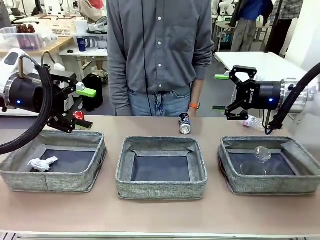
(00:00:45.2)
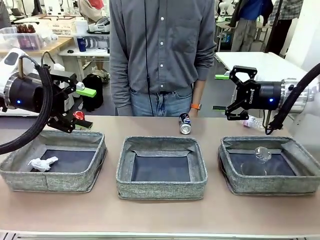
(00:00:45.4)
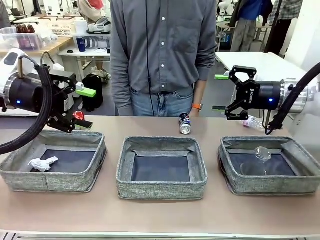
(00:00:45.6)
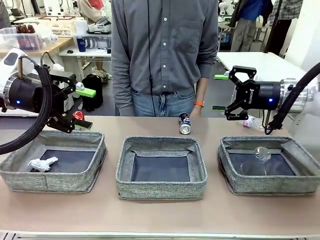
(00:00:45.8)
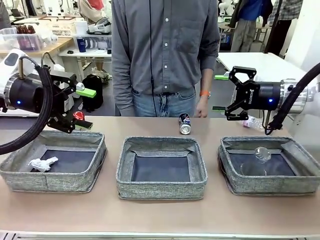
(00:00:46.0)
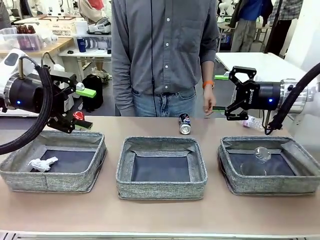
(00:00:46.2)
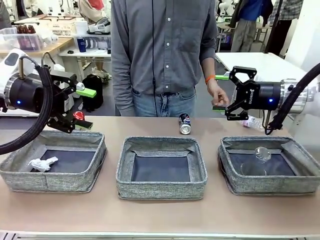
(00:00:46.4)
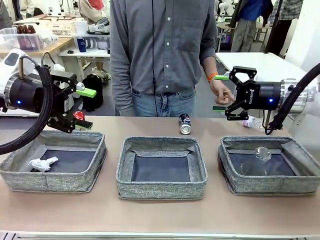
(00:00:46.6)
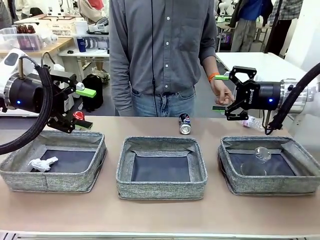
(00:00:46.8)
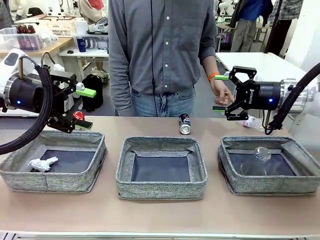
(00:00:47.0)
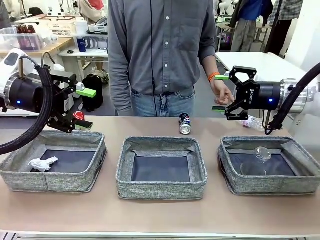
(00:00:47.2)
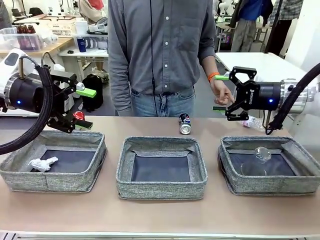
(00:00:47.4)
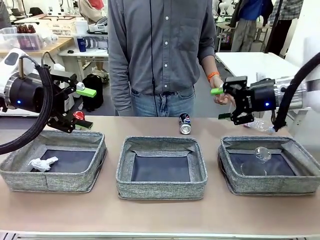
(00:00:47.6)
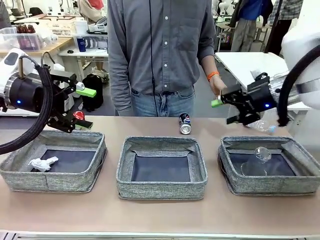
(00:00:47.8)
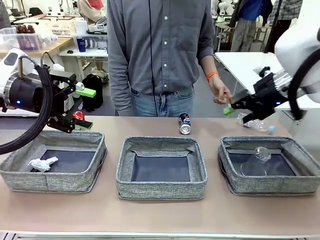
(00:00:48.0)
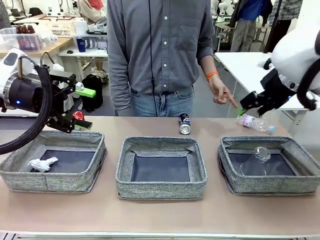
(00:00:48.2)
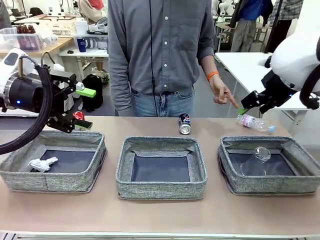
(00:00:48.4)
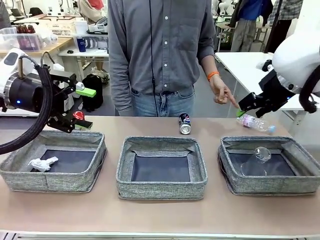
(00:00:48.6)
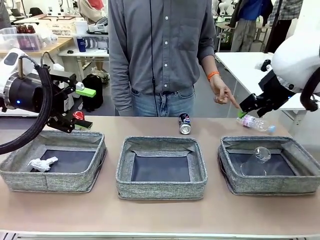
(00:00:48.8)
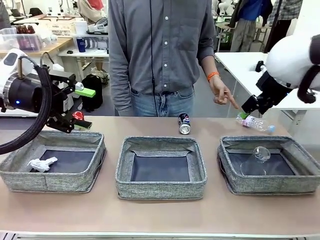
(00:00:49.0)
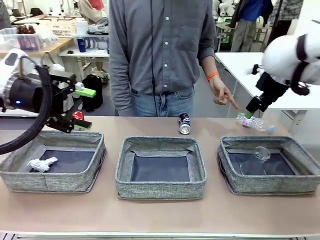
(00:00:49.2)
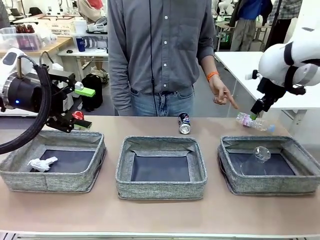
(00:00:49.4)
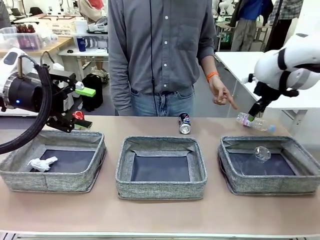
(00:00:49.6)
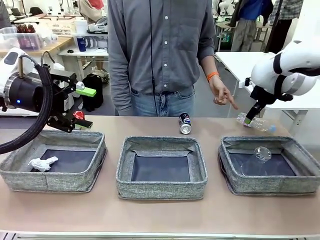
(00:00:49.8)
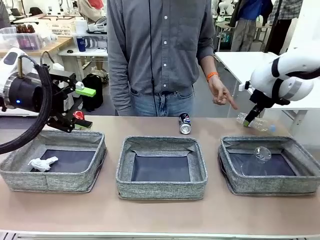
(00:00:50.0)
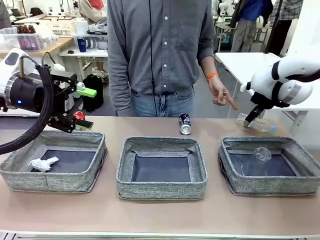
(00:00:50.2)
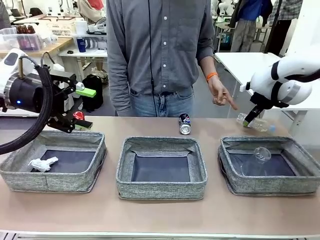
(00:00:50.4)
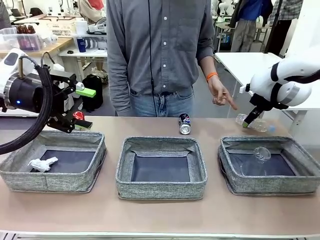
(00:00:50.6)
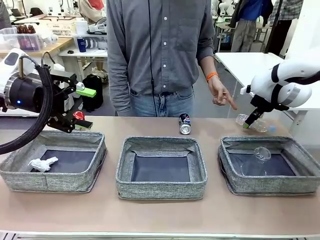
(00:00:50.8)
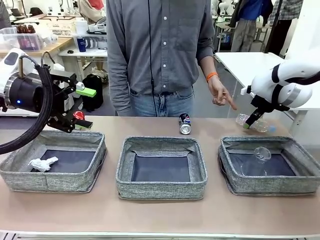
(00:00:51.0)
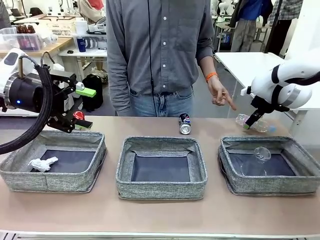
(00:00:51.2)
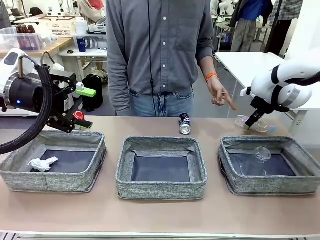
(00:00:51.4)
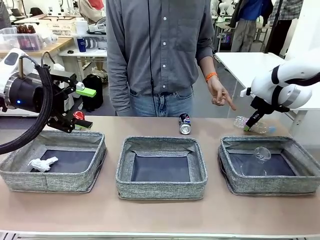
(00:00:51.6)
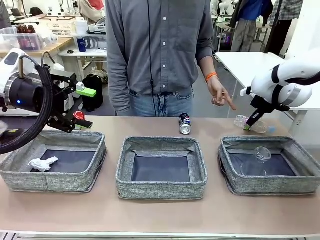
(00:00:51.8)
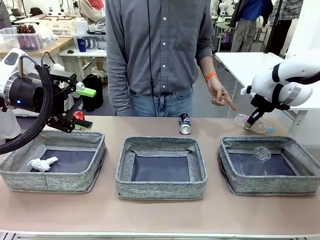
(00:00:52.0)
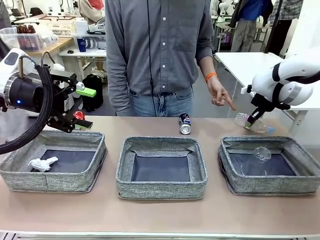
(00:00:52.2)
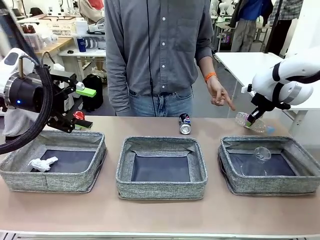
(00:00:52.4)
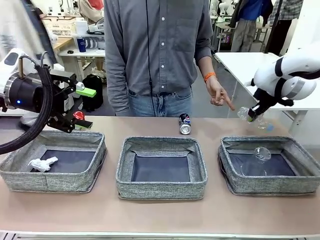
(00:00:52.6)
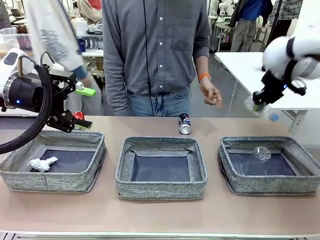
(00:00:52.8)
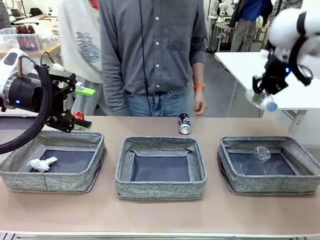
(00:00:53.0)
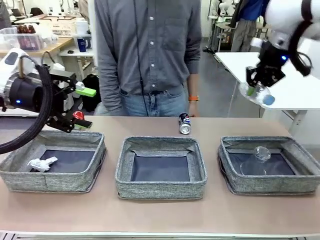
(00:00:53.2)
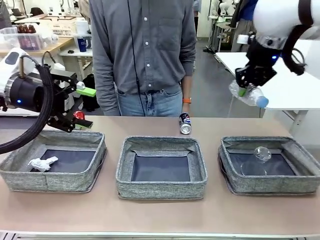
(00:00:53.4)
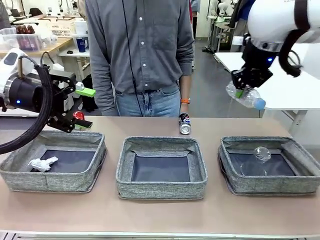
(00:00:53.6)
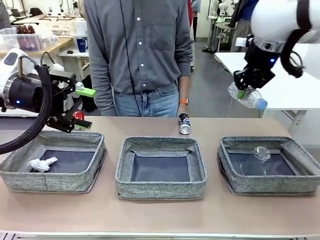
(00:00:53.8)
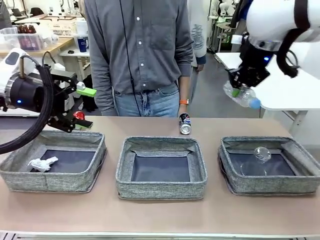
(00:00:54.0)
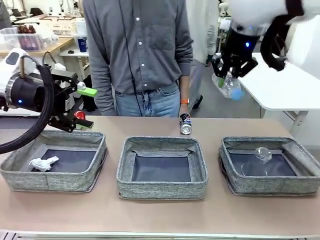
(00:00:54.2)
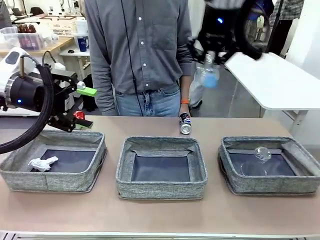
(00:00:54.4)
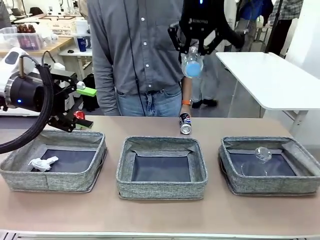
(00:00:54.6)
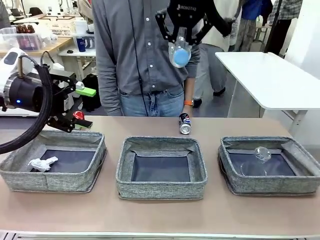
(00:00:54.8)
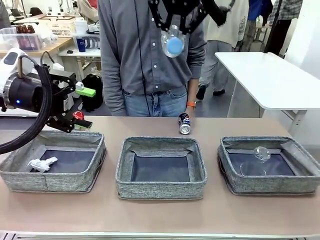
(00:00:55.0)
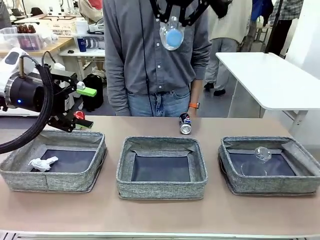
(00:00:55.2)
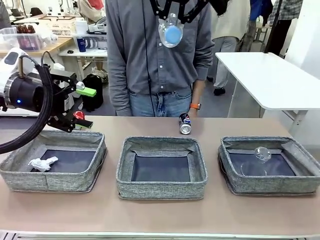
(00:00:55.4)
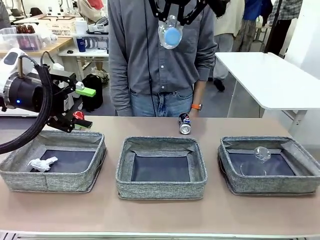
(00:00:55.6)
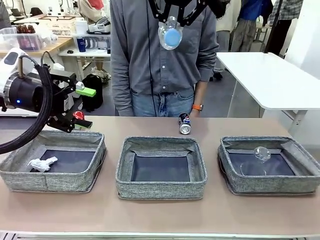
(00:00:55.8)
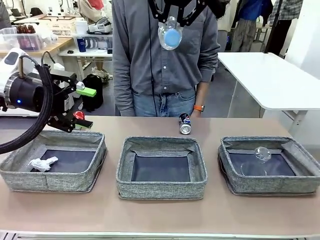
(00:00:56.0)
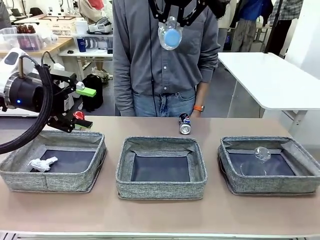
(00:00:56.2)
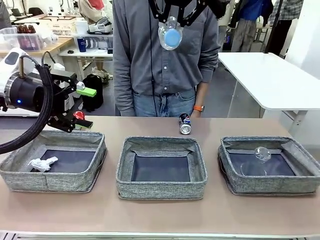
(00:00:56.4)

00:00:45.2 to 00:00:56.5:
Task: Sort the waste into the appropriate baskets.
Robot: Pick up the waste item pointed out by the person.
Person: Points to one piece of trash on the table.

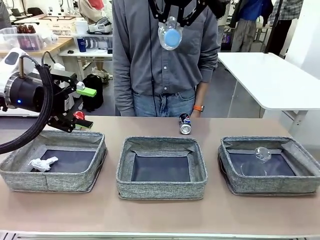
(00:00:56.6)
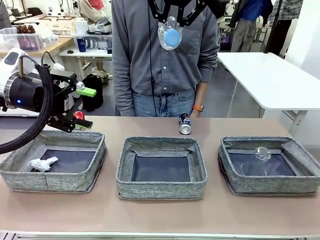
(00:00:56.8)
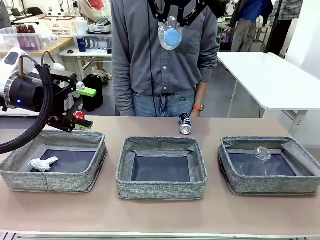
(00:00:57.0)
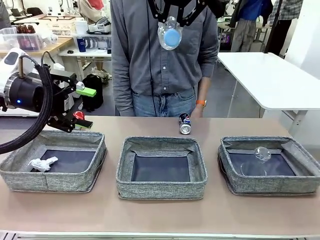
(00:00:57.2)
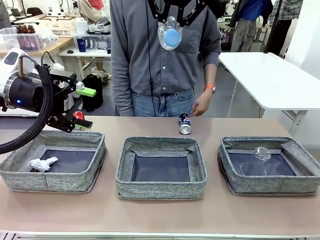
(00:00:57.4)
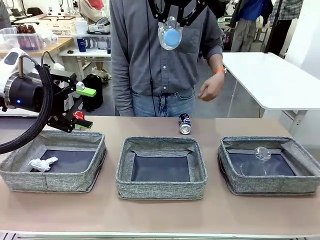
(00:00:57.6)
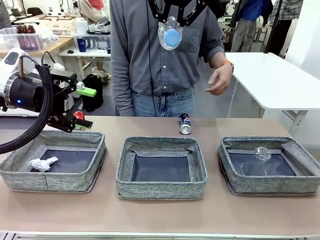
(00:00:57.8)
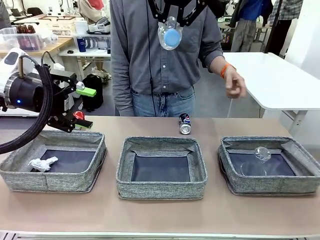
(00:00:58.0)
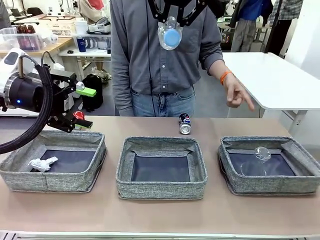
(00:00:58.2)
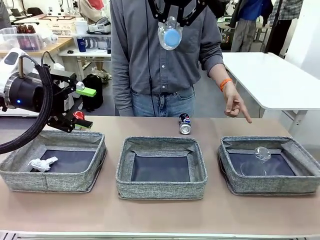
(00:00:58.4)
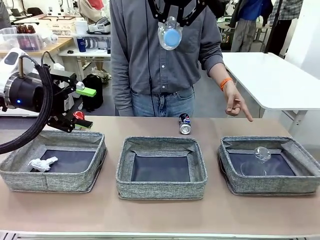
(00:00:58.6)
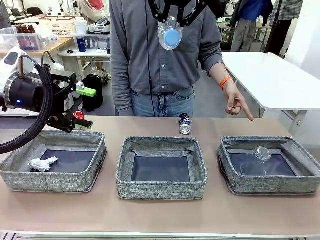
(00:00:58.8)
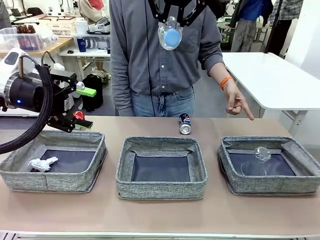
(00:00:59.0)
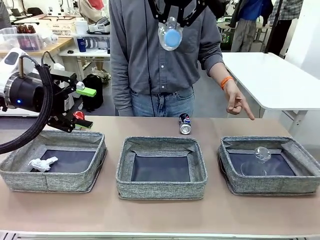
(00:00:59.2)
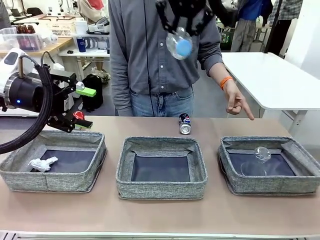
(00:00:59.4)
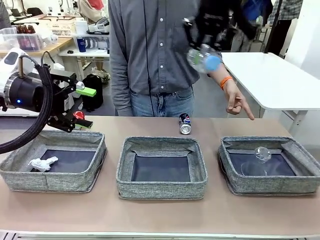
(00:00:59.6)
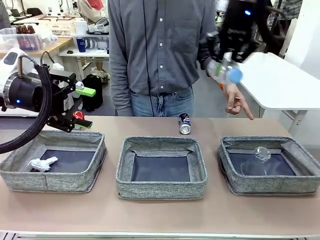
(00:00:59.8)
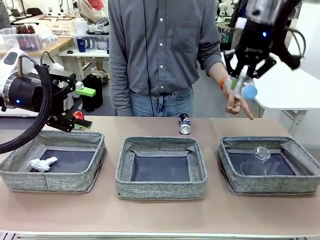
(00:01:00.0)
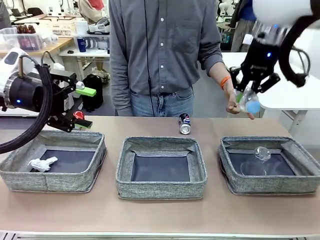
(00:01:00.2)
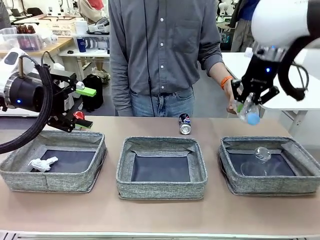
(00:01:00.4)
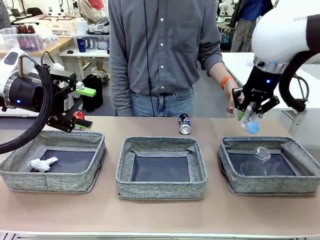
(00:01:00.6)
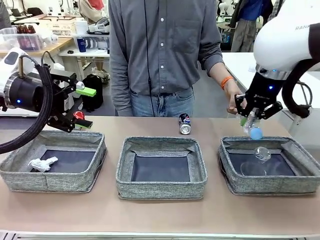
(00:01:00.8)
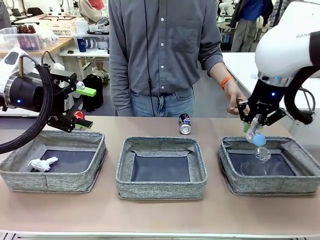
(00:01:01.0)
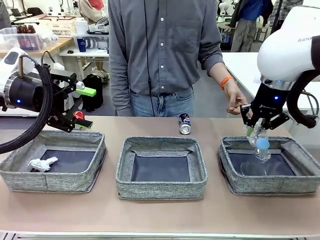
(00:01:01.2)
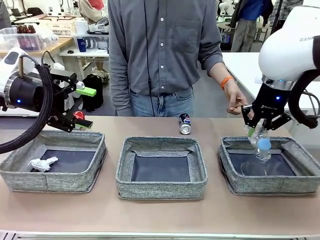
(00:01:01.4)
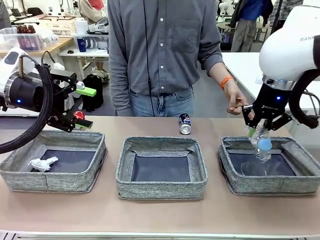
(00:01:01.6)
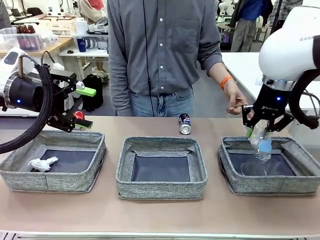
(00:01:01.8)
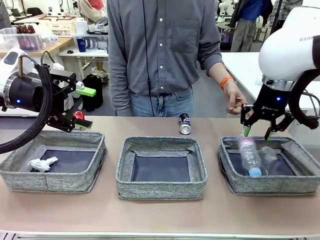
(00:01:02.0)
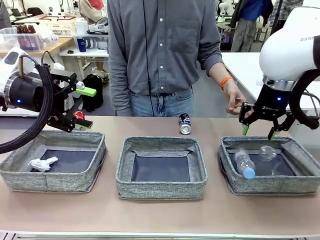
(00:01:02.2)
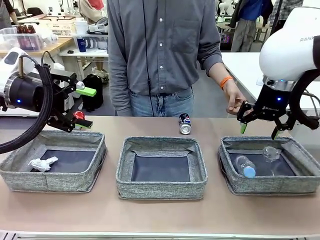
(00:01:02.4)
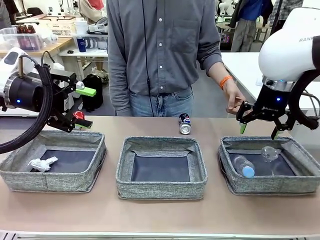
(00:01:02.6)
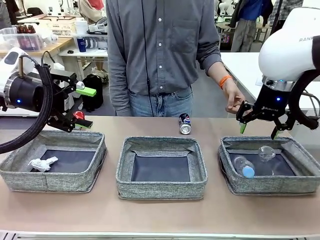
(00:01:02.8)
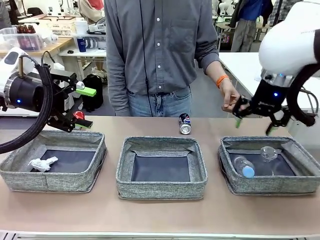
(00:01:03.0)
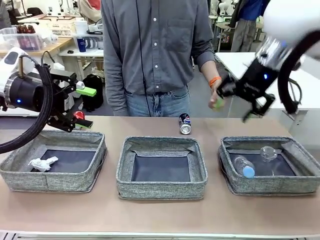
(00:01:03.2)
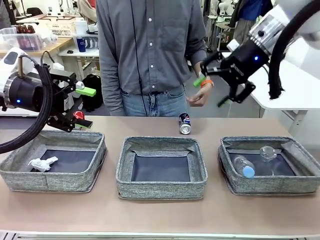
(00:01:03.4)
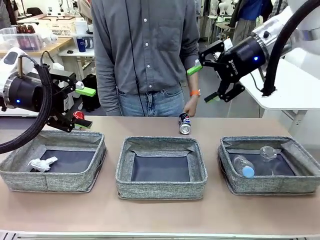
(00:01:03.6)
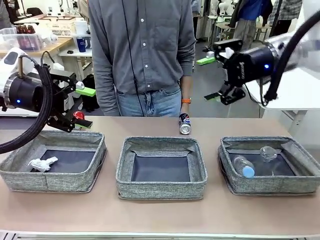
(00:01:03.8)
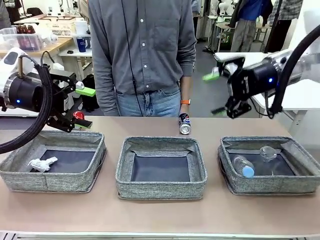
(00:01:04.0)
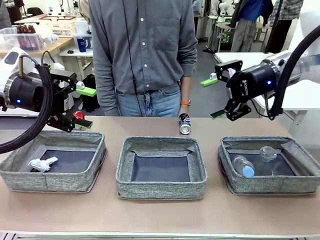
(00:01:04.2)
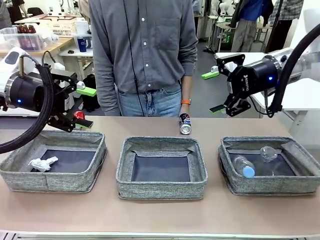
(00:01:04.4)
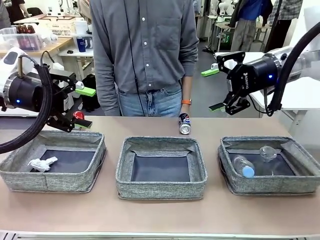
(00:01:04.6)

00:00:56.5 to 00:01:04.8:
Robot: Place the picked waste into the Fabric basket indicated by the person.
Person: Instructs the robot to place the picked-up trash into the appropriate organizing basket.
